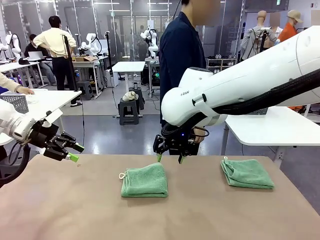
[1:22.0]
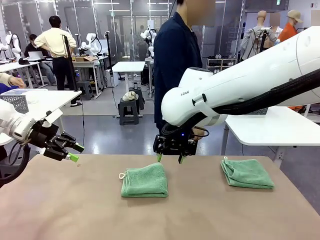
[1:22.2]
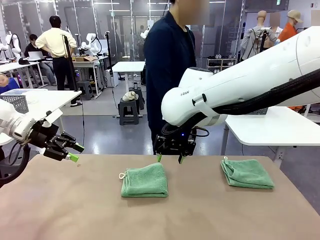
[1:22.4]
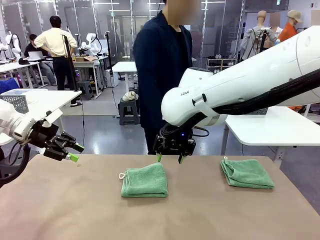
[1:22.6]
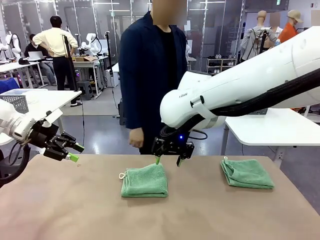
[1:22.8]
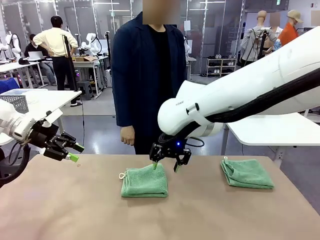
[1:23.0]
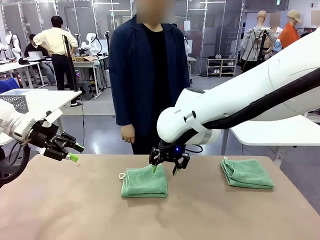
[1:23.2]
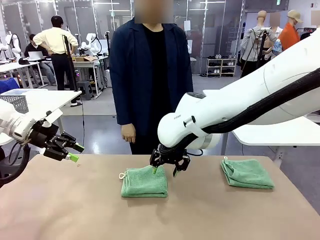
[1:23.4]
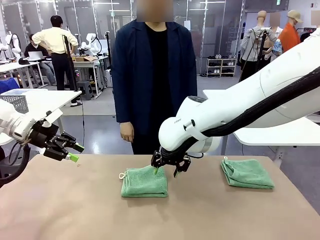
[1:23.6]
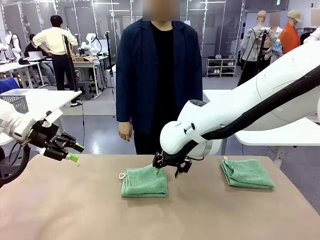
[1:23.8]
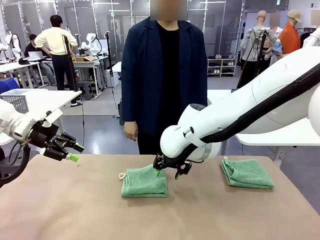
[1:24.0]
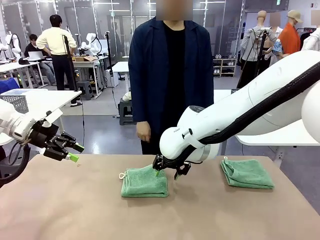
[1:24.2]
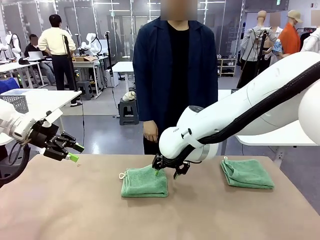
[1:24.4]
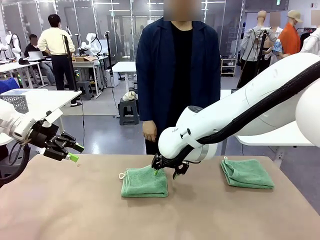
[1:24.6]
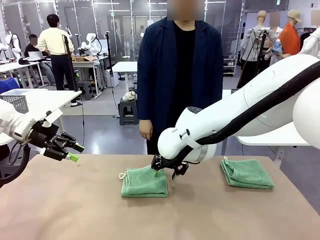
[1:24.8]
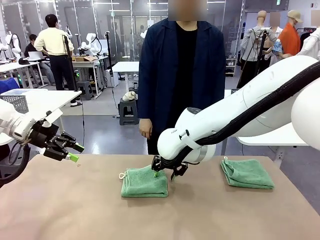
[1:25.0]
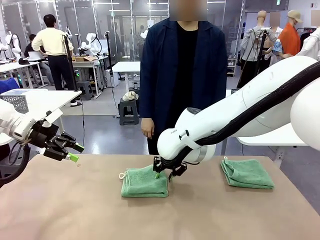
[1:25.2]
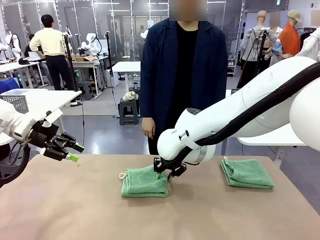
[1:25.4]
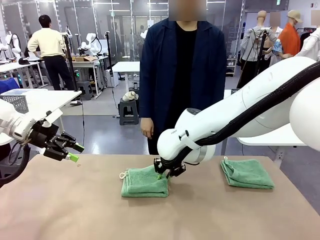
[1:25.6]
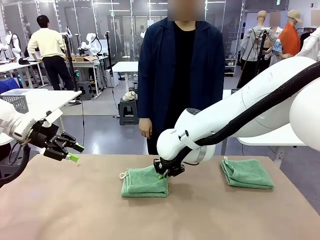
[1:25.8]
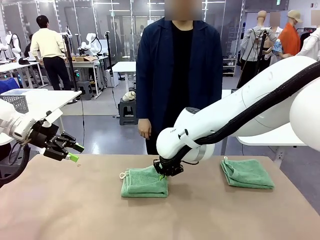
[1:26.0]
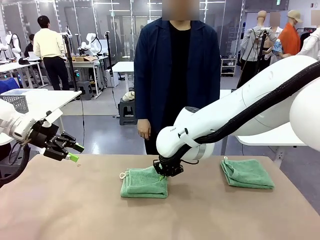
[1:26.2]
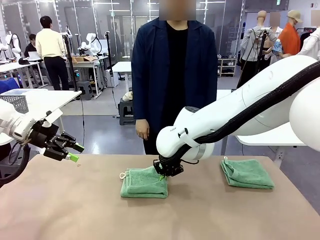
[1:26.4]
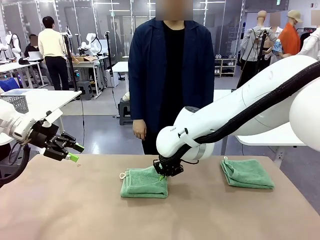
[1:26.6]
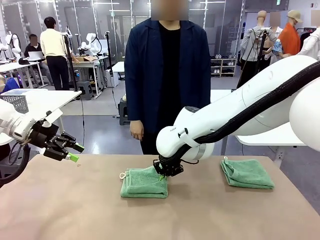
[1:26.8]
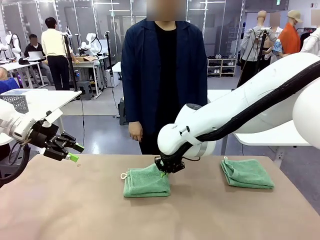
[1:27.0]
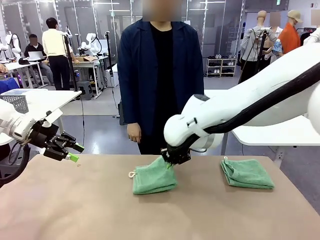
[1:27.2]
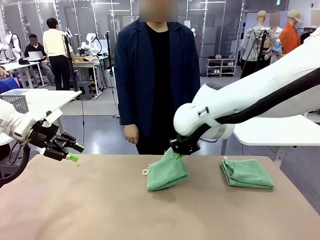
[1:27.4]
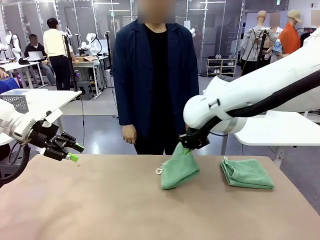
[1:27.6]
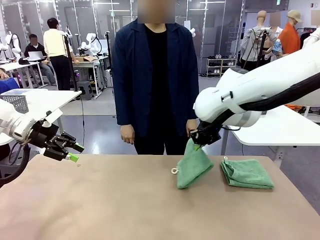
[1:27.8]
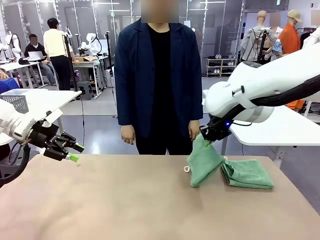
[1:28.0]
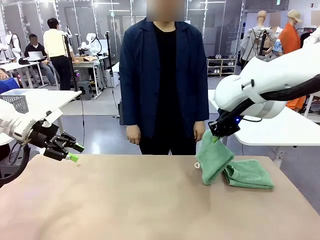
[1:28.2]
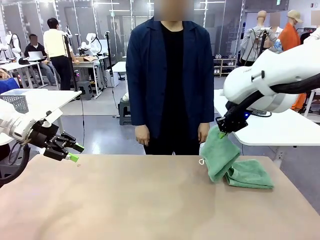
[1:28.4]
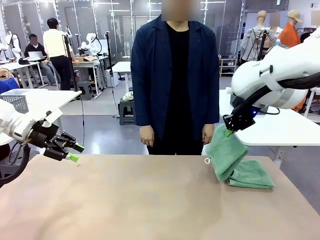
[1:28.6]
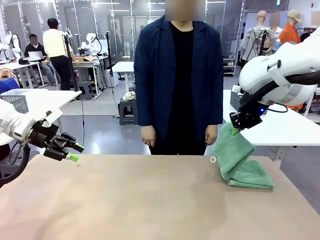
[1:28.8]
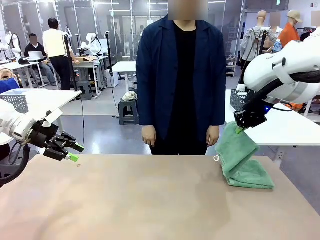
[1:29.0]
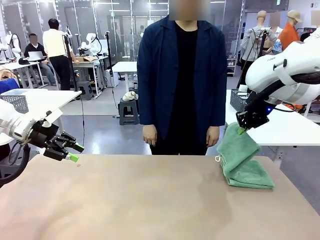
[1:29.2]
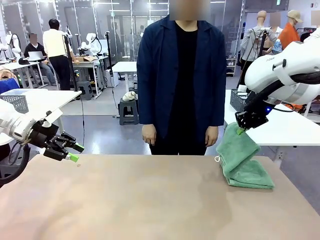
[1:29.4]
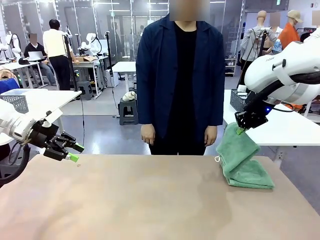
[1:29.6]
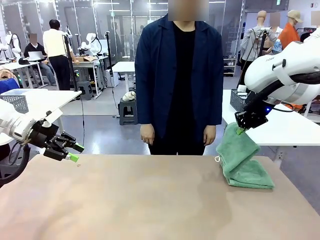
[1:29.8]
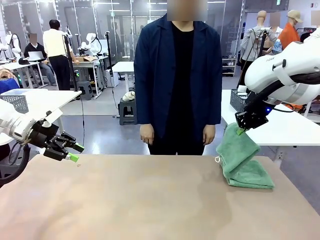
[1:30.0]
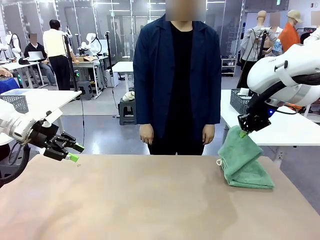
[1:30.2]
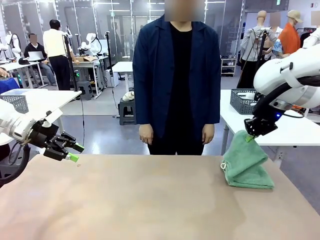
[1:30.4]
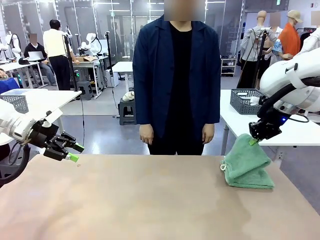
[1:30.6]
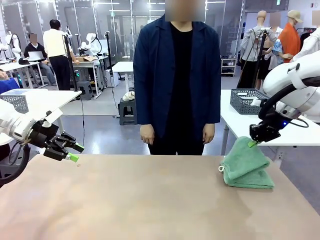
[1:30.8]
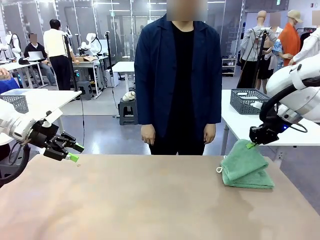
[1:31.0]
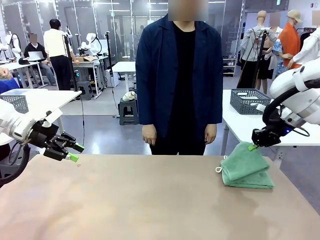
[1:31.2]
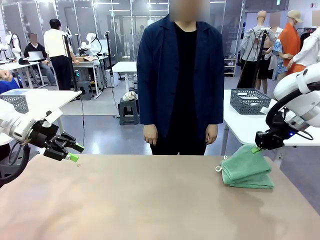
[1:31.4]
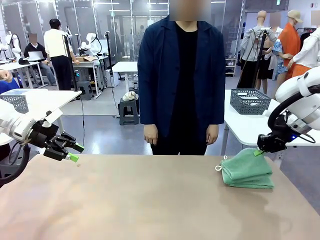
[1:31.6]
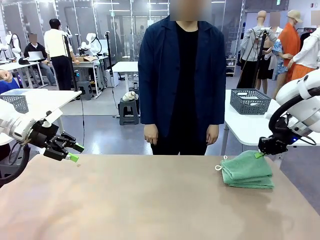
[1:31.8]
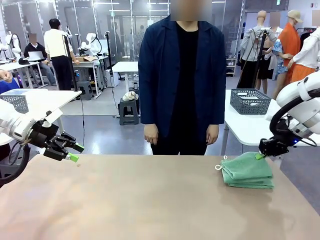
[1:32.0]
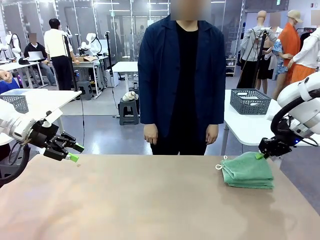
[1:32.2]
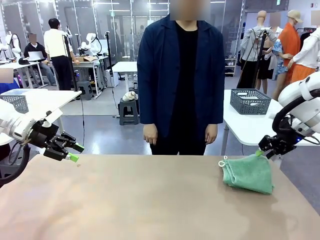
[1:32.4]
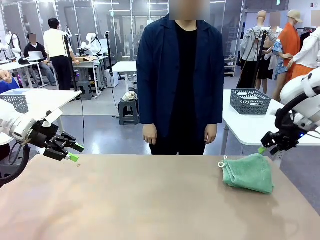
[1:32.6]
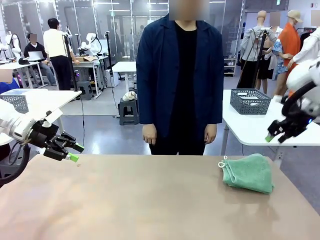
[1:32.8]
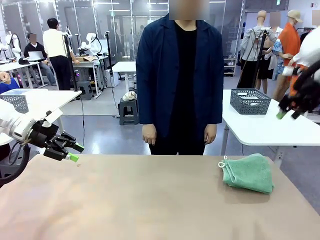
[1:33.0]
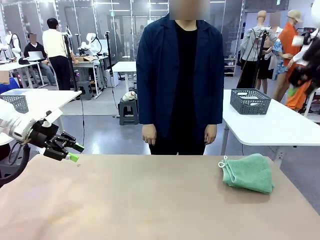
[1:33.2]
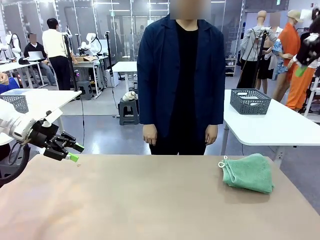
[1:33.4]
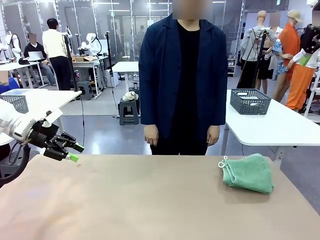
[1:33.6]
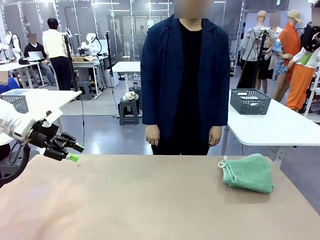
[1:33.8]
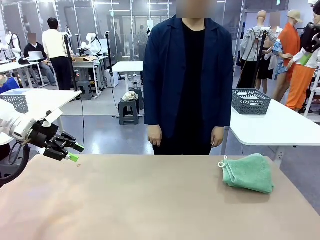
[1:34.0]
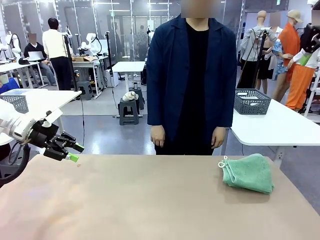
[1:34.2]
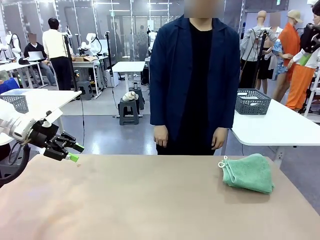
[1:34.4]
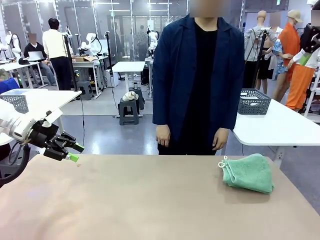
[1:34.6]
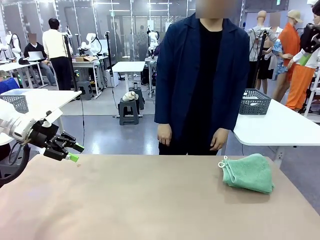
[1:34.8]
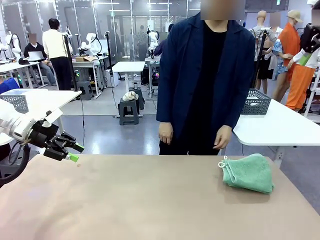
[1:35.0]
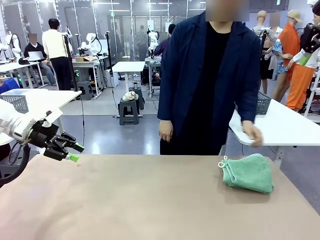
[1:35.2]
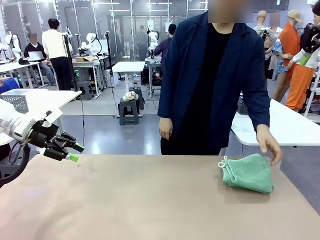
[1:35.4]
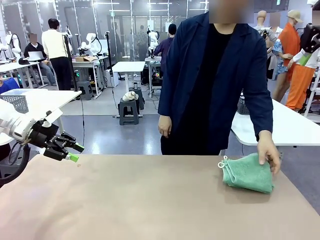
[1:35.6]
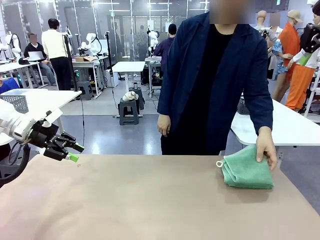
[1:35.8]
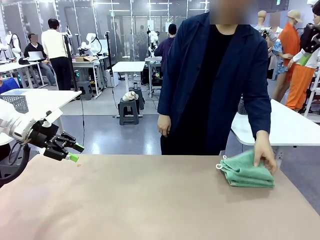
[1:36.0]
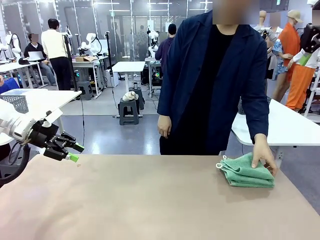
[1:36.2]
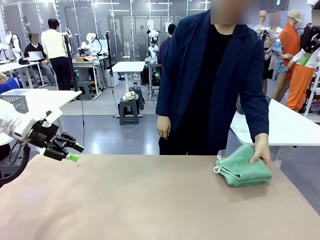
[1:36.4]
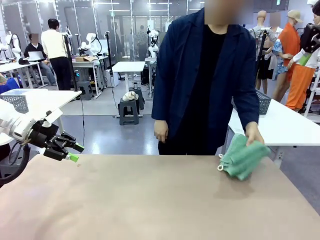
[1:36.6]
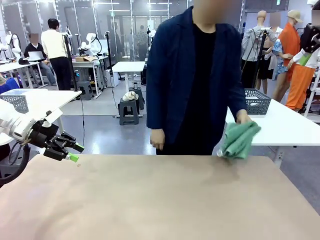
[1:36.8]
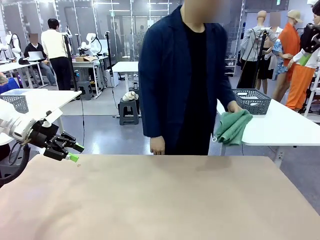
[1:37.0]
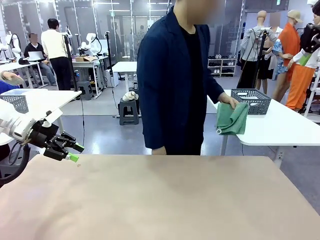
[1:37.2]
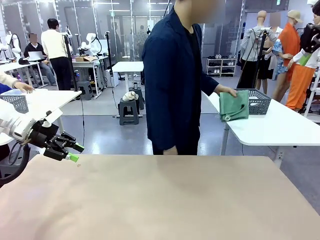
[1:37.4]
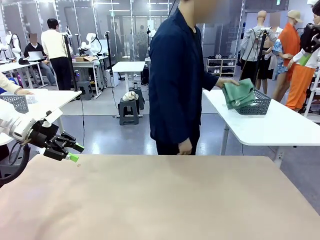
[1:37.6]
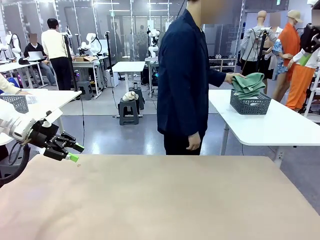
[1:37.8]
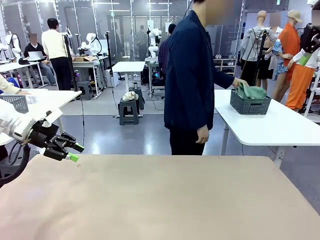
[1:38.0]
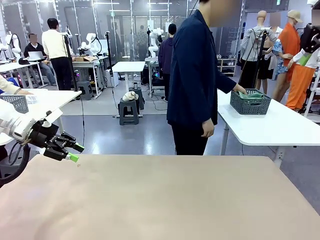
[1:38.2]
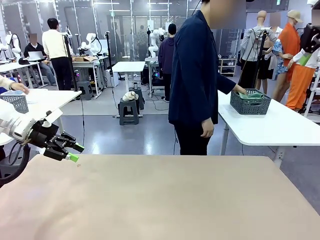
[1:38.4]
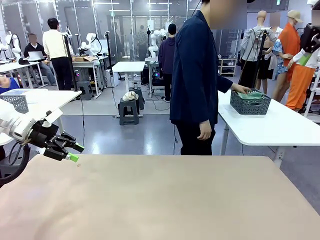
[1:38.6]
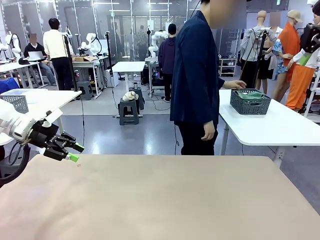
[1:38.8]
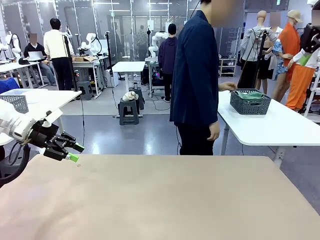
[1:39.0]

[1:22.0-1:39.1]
Task: Fold the towels and place them in the basket.
Robot: Stack the folded Towel with hook on the right side of the table.
Person: Pick up the stack of towels from the robot table and place it into the basket.
